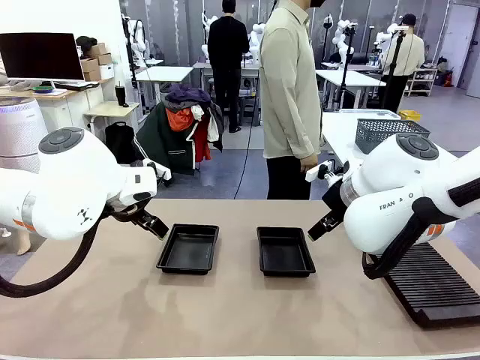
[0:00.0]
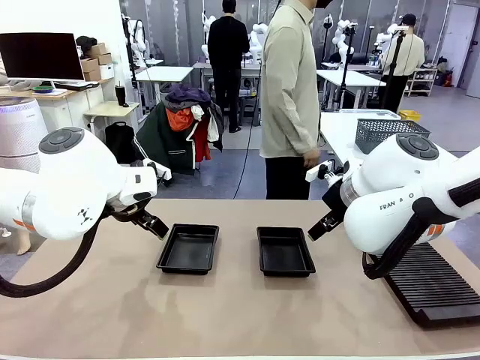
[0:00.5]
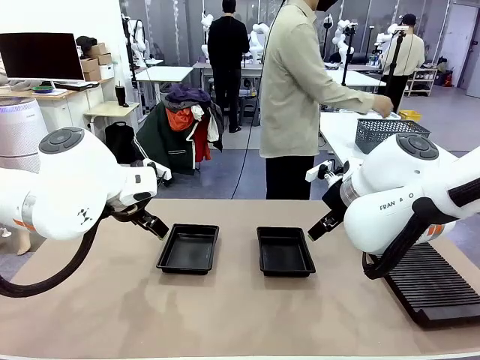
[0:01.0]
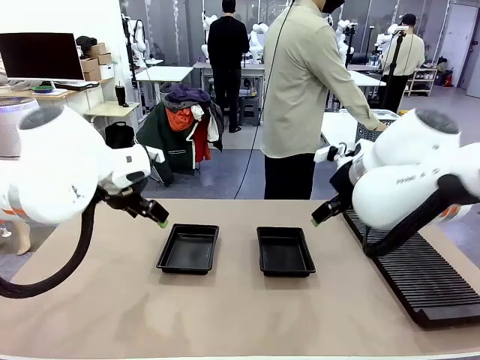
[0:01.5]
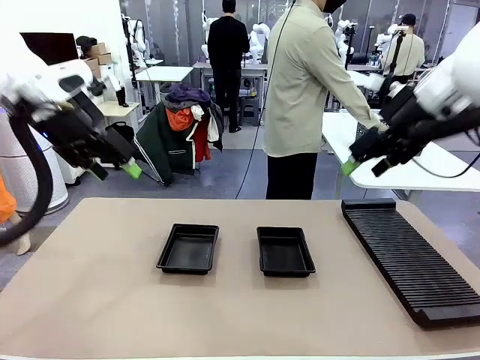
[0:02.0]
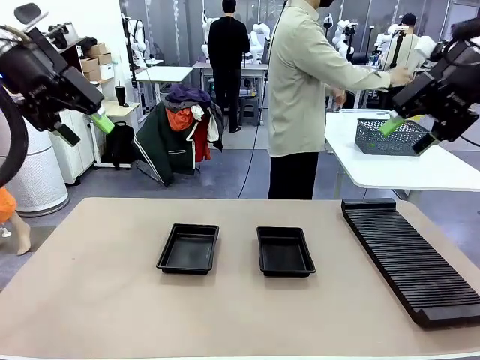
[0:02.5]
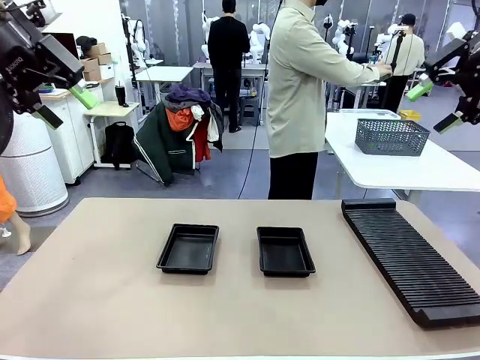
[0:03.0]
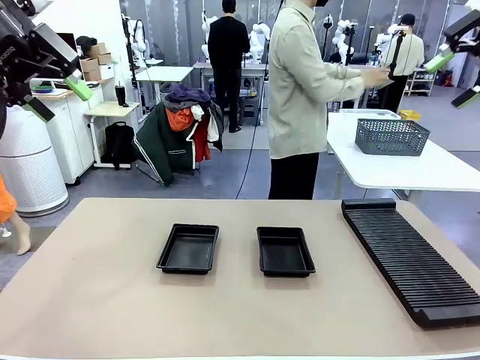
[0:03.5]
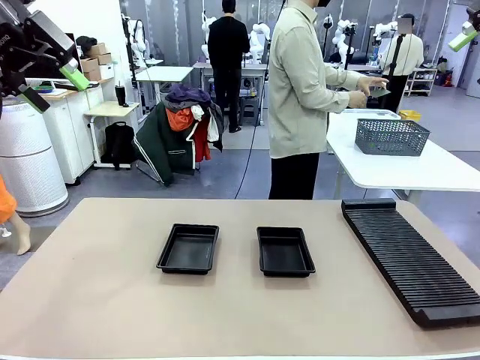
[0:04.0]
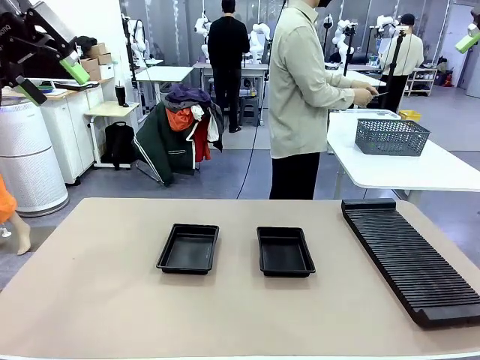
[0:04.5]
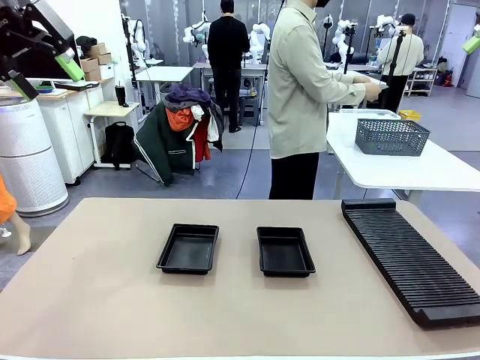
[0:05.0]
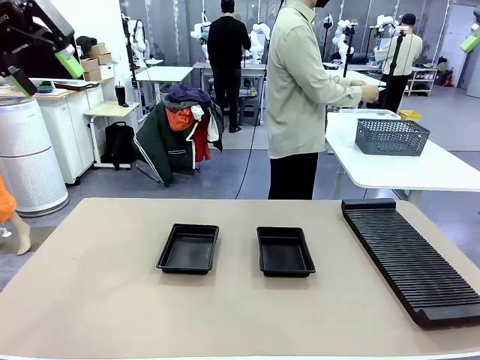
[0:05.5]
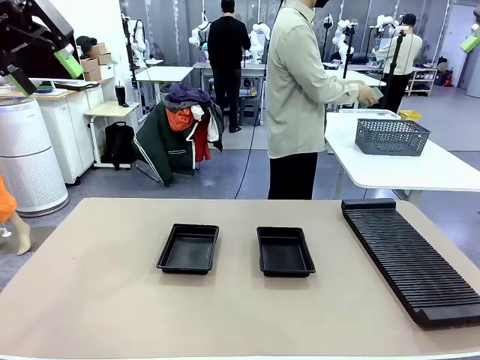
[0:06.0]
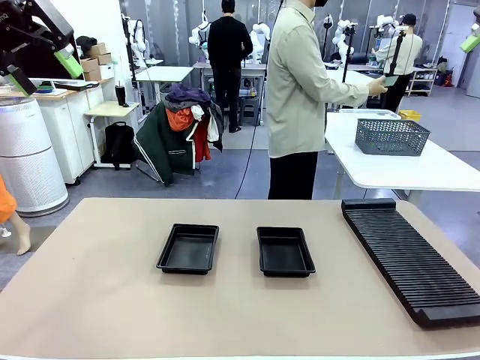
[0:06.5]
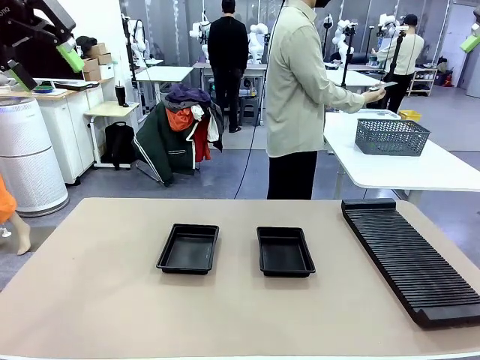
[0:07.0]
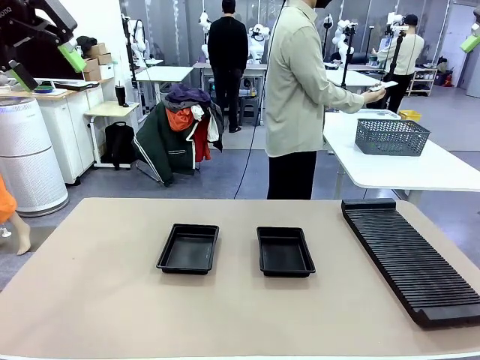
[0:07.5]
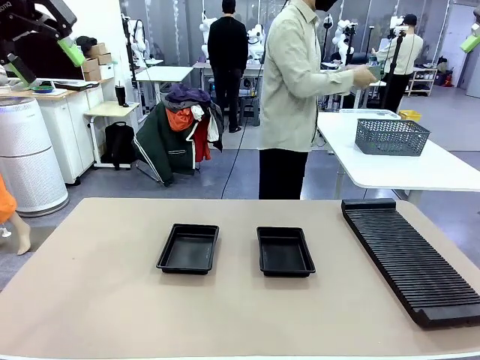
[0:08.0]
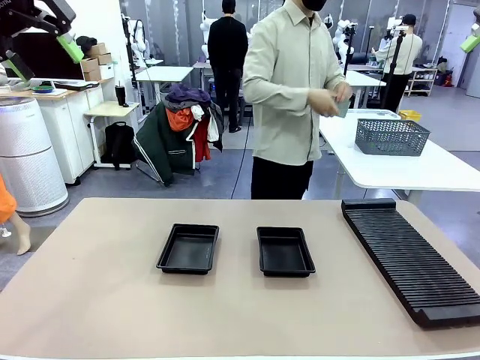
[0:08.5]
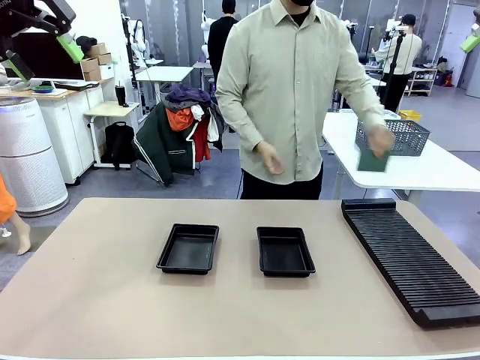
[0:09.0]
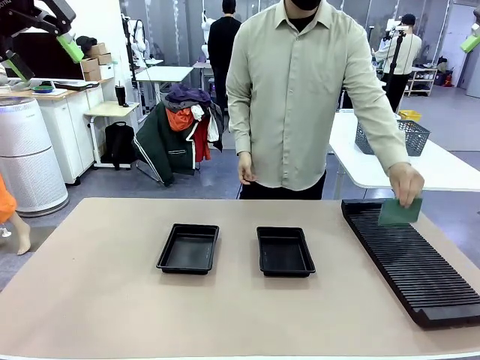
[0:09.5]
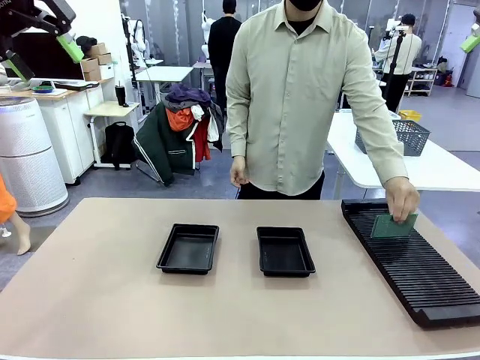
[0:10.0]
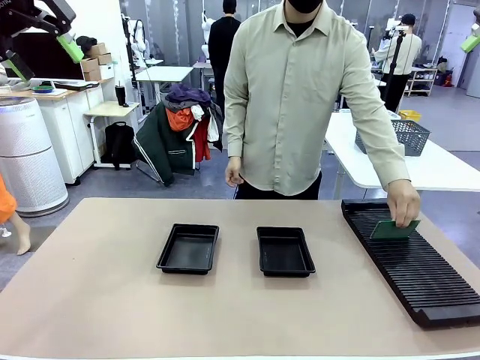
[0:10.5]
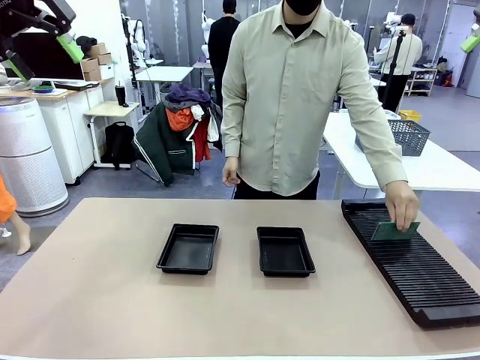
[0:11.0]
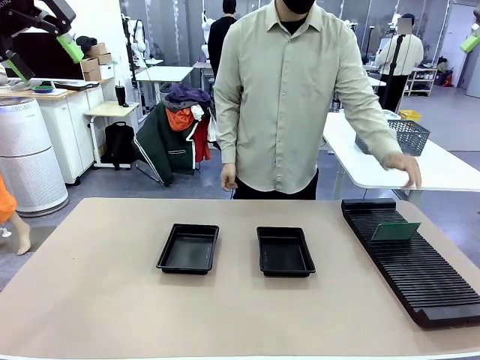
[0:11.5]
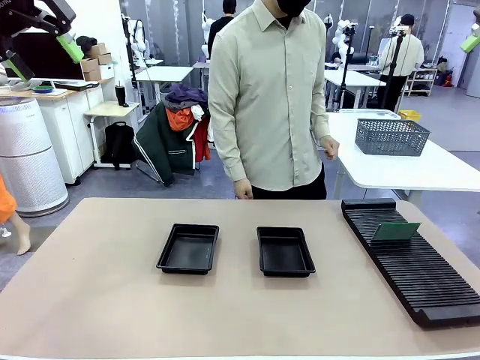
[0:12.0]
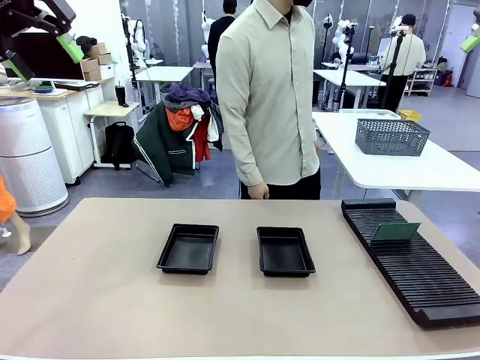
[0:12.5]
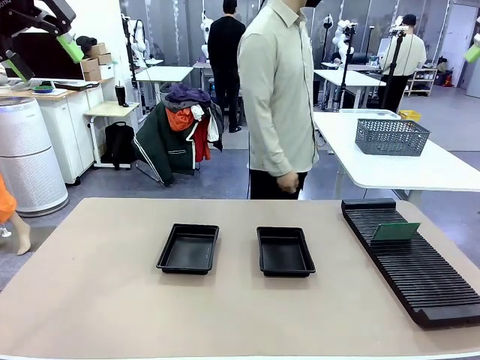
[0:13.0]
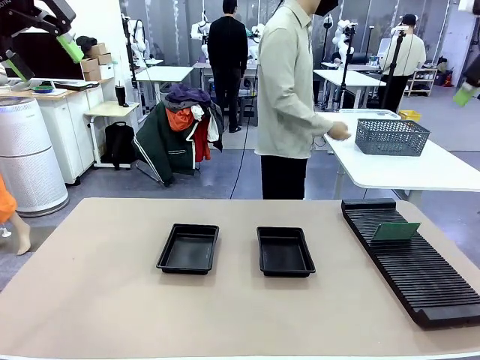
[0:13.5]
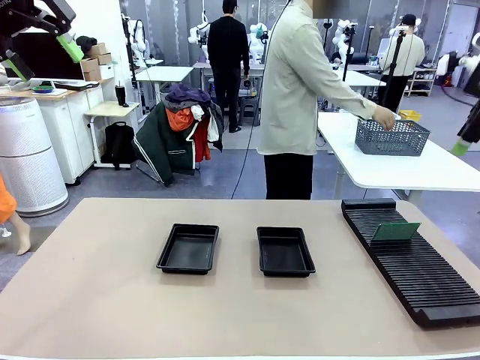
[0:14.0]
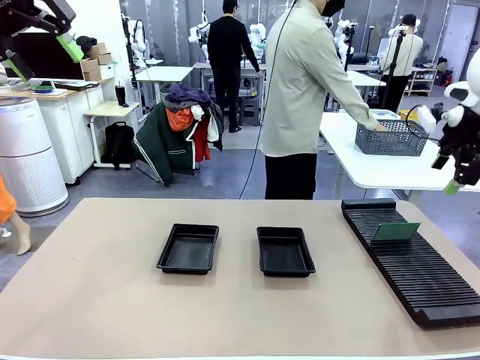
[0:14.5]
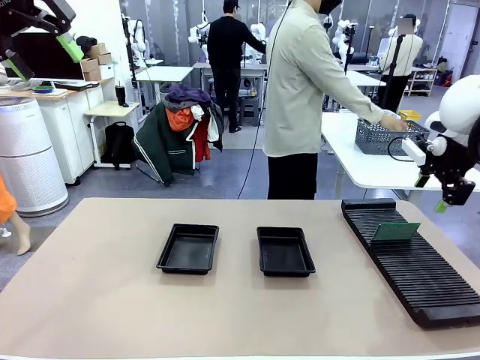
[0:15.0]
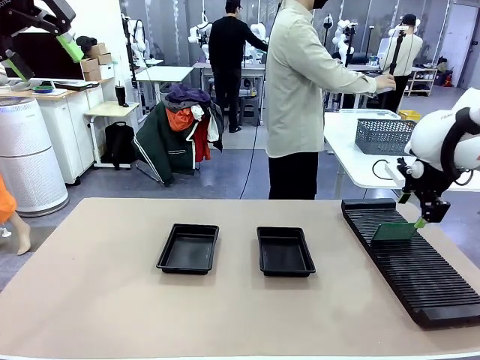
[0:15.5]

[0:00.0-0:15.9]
Task: Inspect and transfer BCBs to ESD trays.
Robot: Pick up the Blank PCB from the PCB Rack and place it in the left ESD tray.

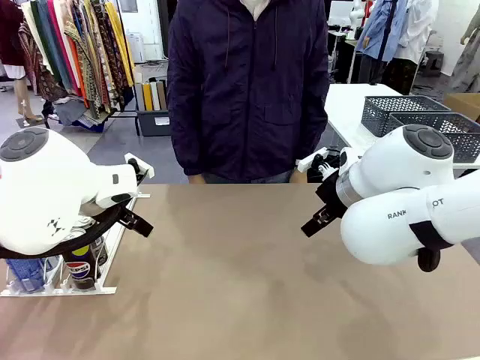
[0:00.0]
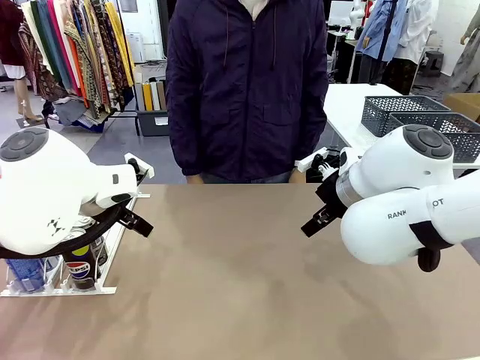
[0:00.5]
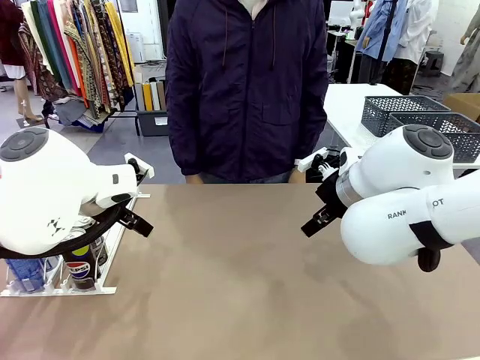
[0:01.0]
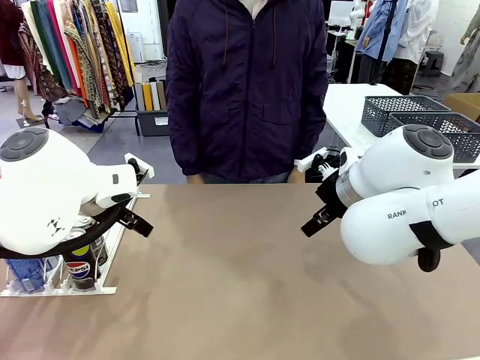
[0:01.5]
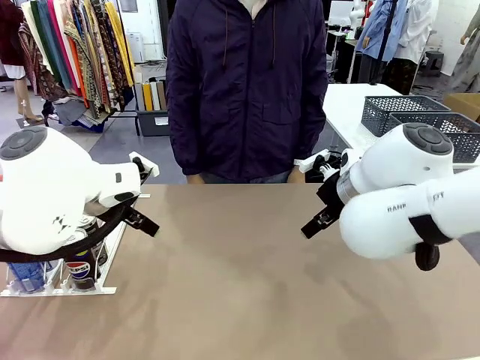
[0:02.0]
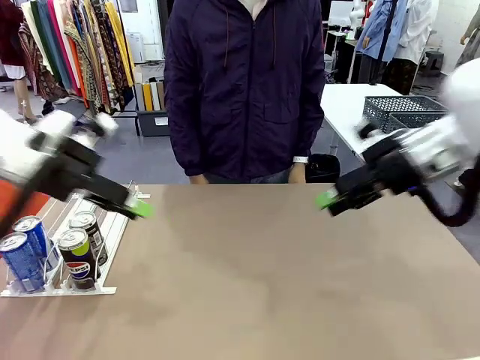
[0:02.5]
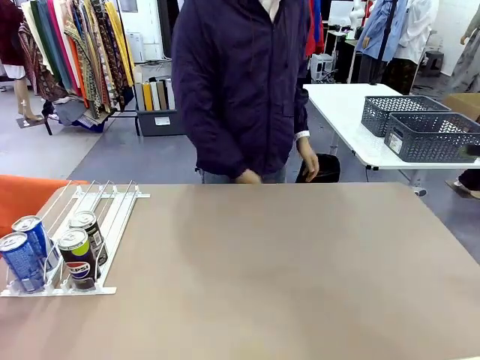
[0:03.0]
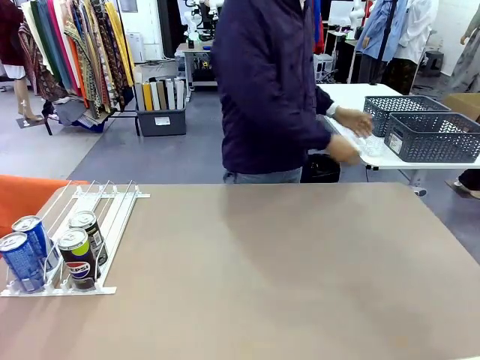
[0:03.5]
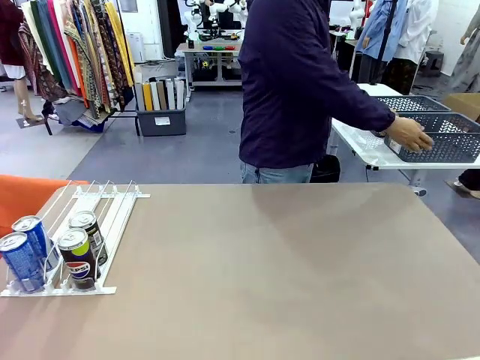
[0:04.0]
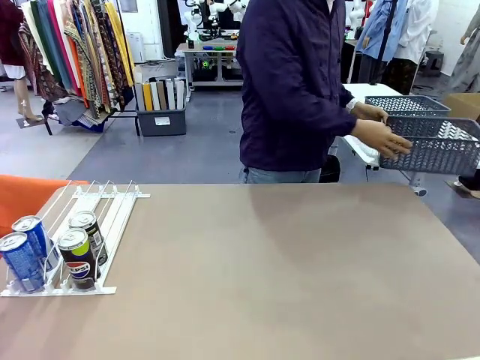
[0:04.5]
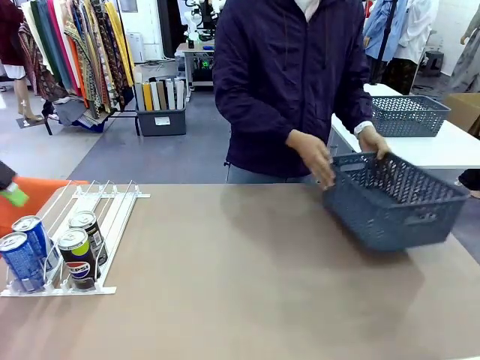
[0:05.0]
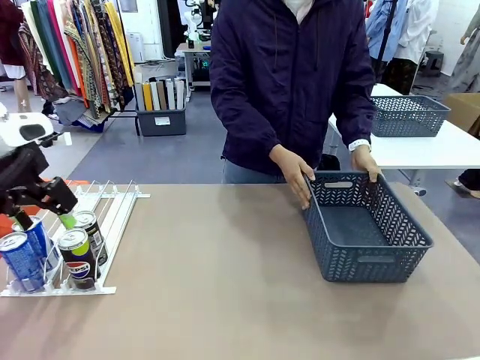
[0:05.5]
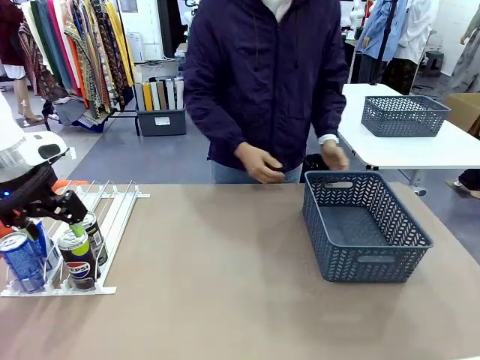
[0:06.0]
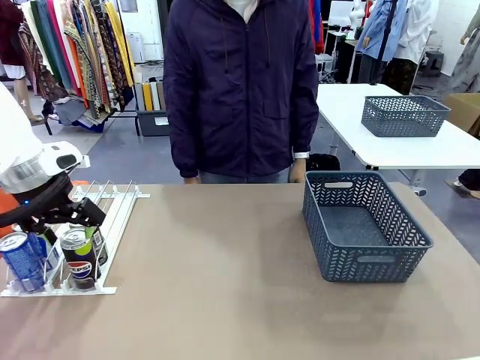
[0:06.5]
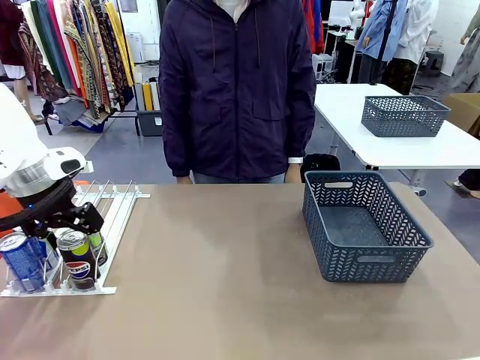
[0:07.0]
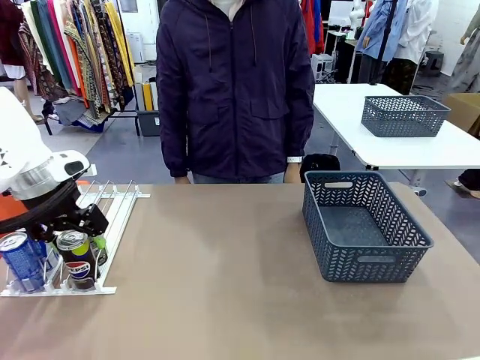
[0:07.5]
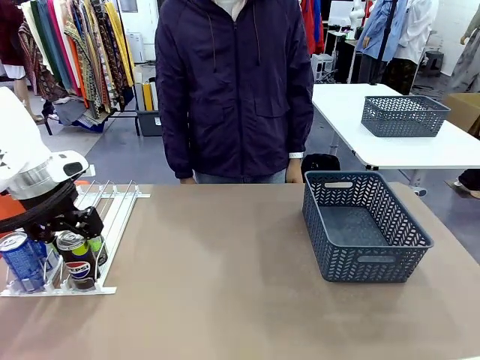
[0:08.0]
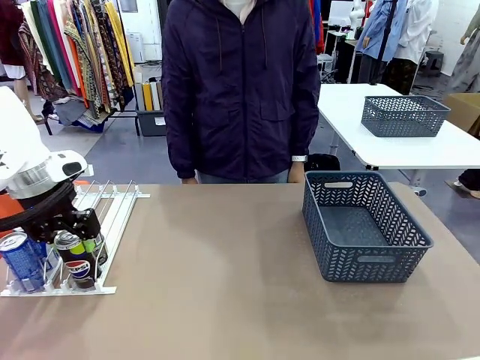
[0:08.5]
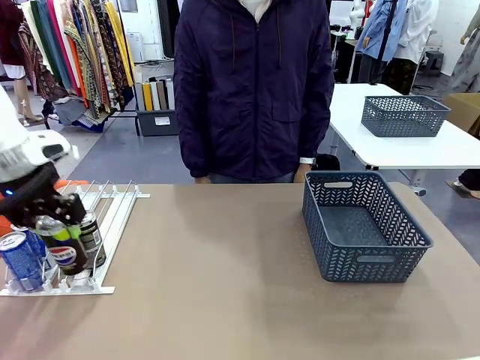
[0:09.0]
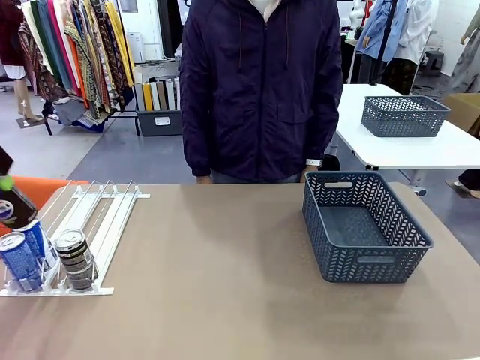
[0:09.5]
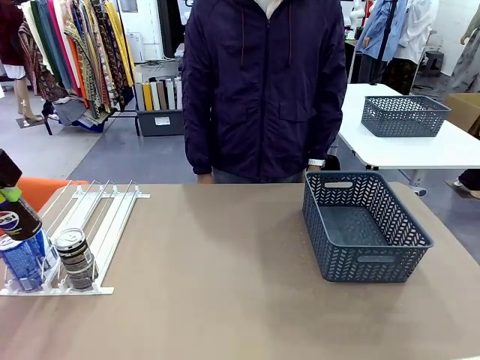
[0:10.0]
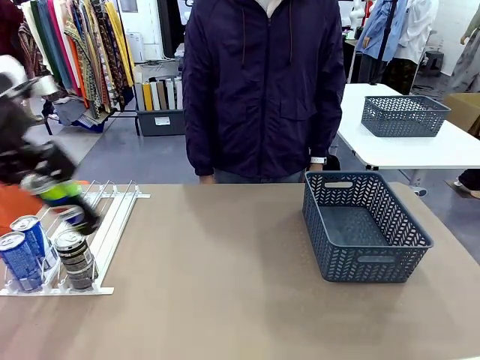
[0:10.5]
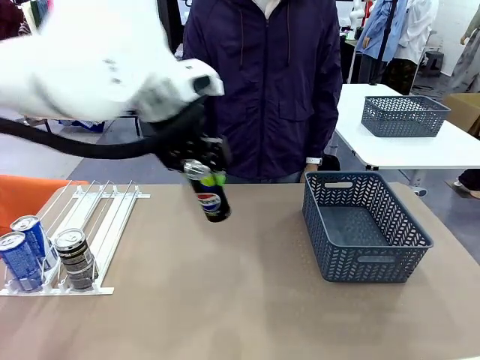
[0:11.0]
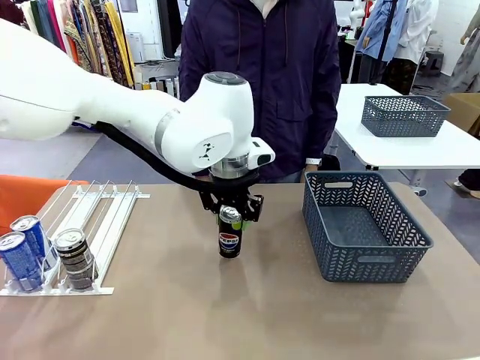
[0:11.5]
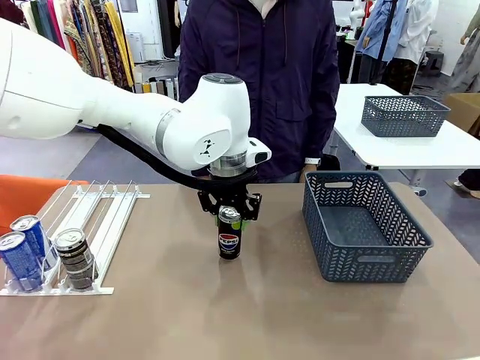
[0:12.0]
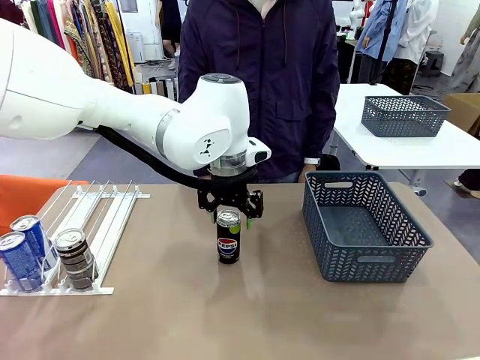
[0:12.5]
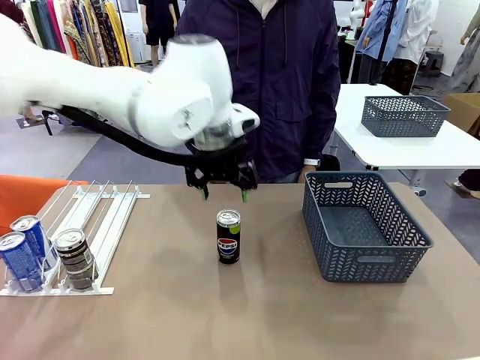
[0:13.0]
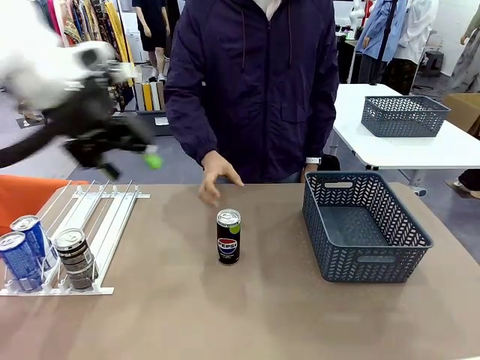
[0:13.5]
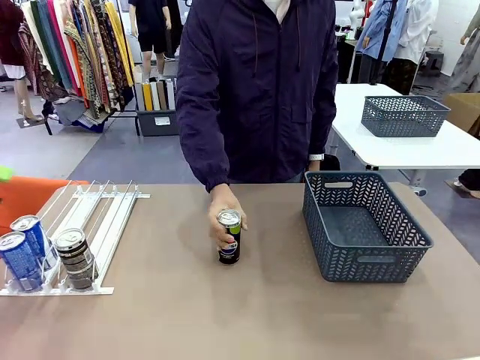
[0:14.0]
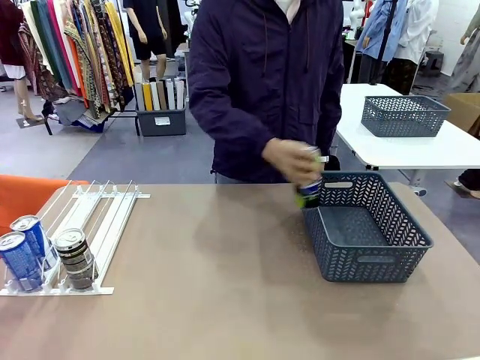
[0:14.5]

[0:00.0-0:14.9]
Task: Retrieve and store the cans from the dispenser.
Robot: Pick up one can from the Automatic Can Dispenser and place it in the middle of the table.
Person: Pick up the basket and place it on the left side of the robot table.
